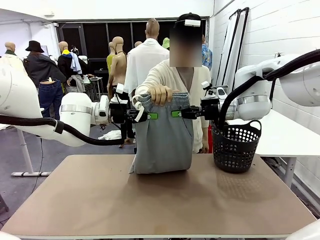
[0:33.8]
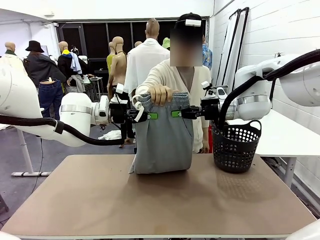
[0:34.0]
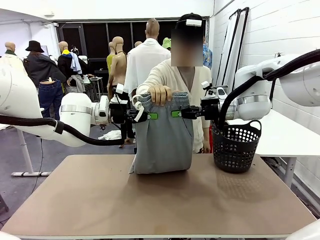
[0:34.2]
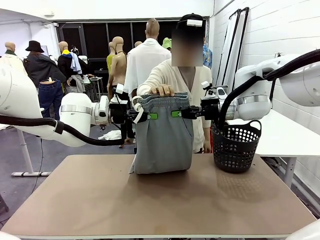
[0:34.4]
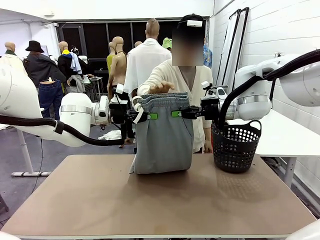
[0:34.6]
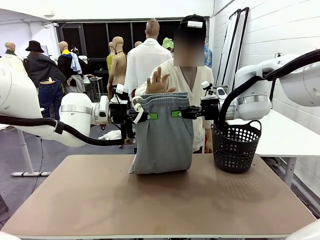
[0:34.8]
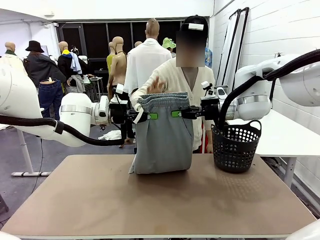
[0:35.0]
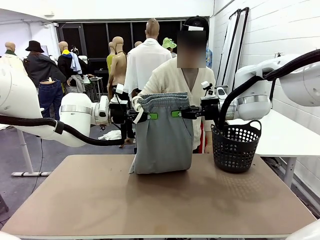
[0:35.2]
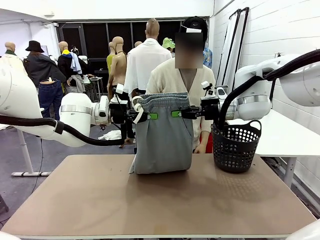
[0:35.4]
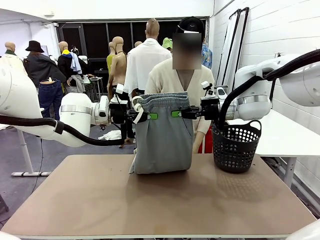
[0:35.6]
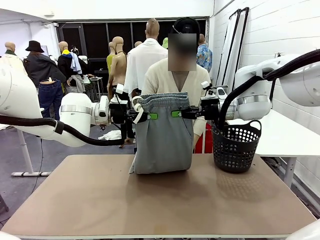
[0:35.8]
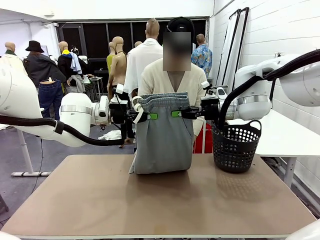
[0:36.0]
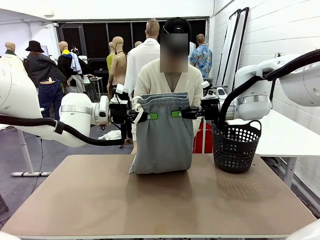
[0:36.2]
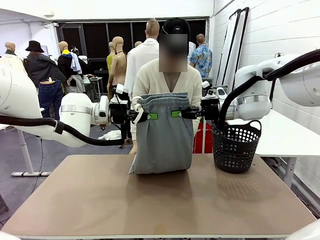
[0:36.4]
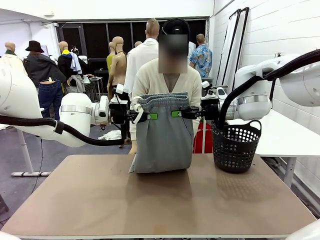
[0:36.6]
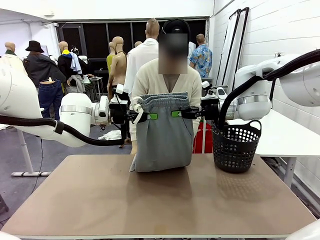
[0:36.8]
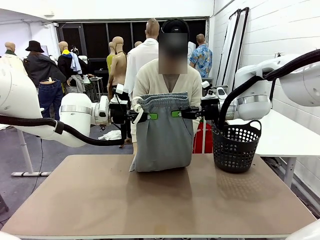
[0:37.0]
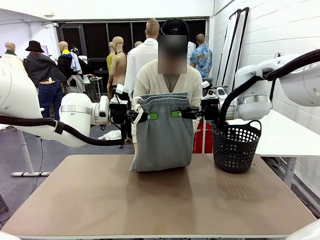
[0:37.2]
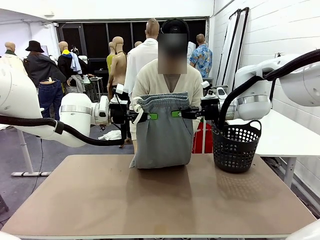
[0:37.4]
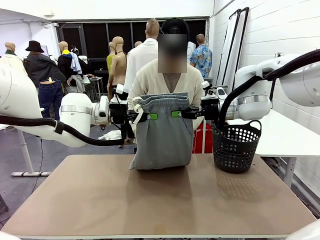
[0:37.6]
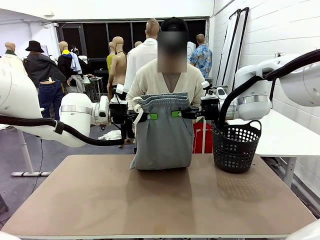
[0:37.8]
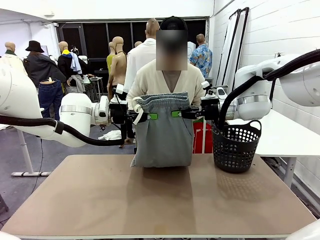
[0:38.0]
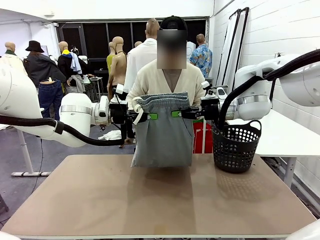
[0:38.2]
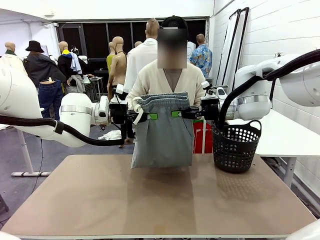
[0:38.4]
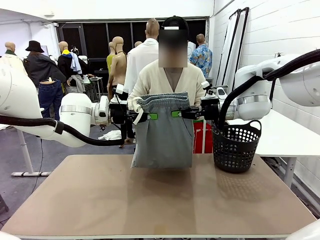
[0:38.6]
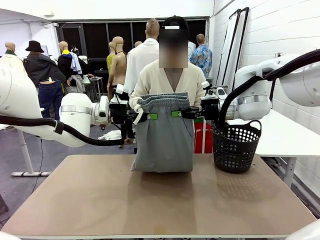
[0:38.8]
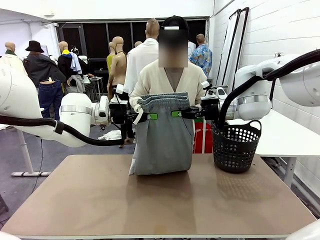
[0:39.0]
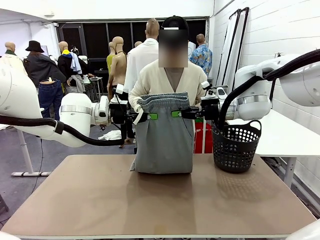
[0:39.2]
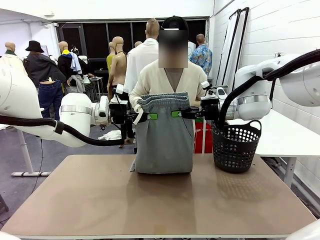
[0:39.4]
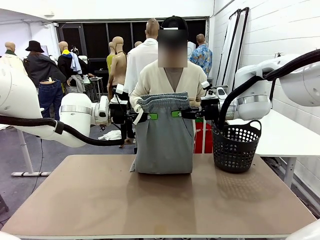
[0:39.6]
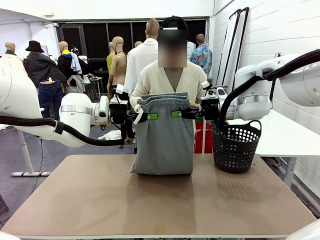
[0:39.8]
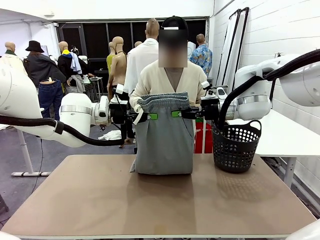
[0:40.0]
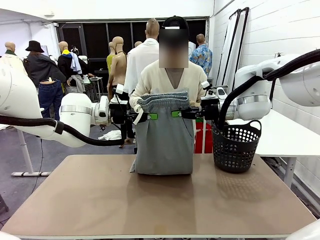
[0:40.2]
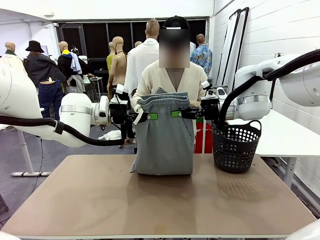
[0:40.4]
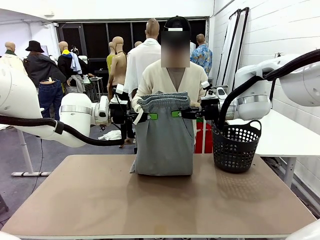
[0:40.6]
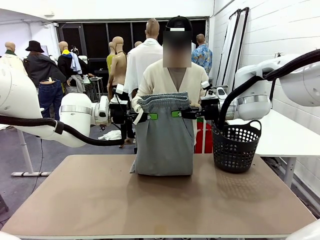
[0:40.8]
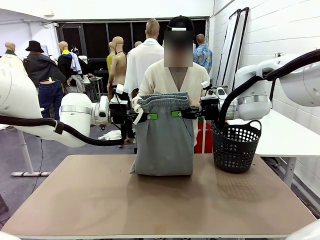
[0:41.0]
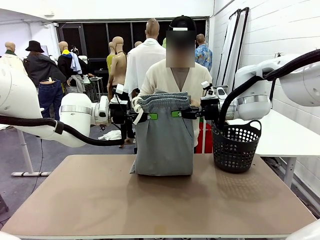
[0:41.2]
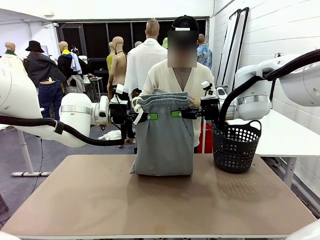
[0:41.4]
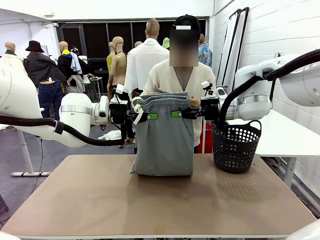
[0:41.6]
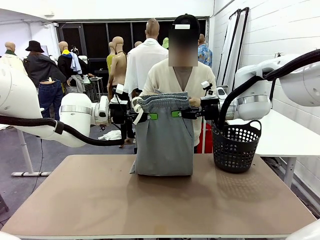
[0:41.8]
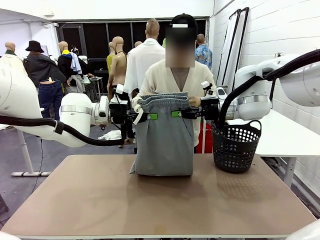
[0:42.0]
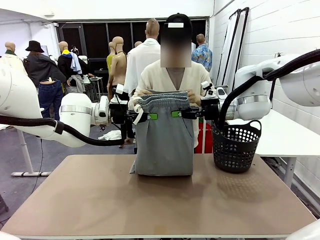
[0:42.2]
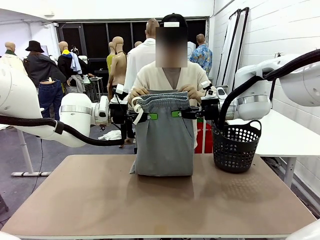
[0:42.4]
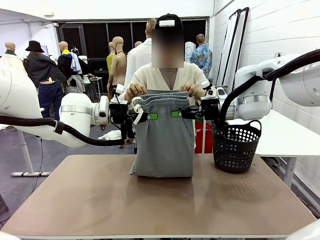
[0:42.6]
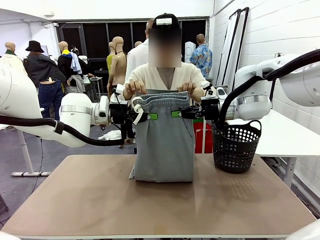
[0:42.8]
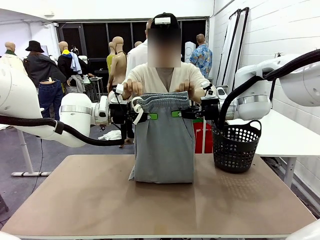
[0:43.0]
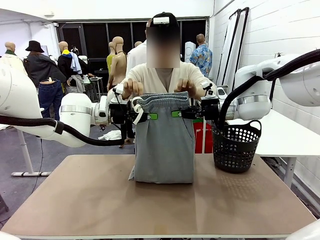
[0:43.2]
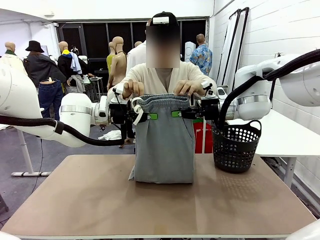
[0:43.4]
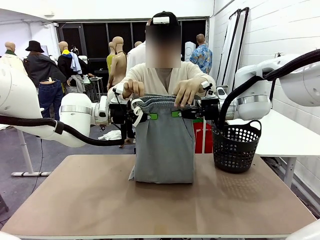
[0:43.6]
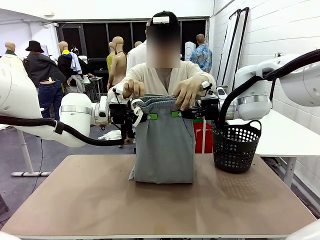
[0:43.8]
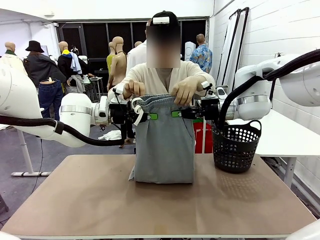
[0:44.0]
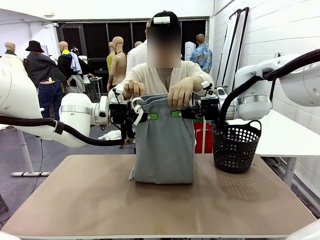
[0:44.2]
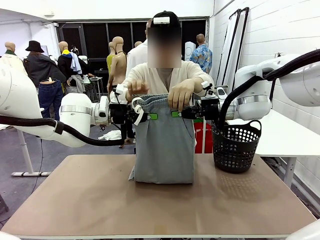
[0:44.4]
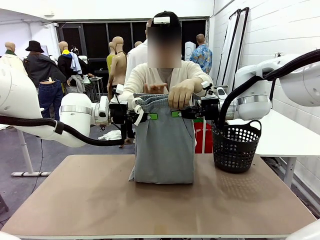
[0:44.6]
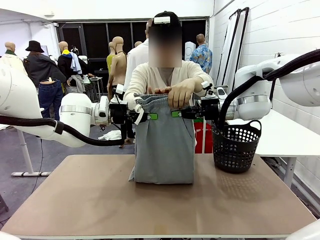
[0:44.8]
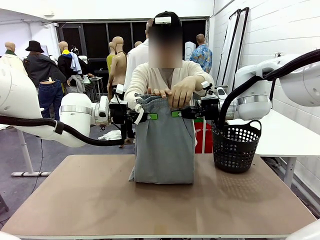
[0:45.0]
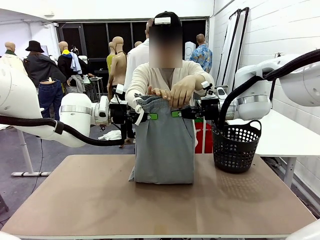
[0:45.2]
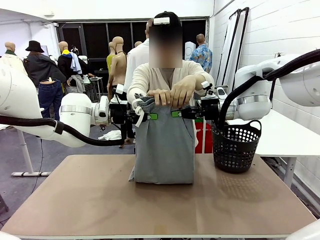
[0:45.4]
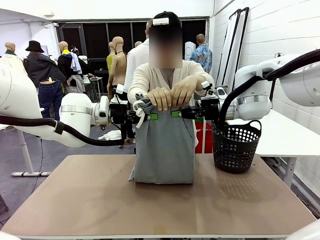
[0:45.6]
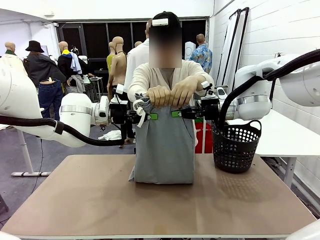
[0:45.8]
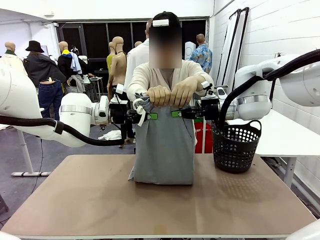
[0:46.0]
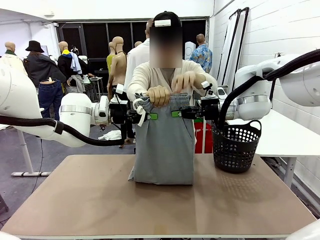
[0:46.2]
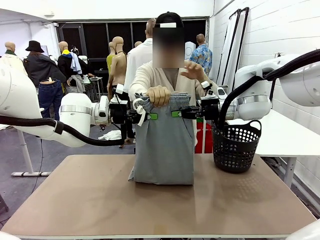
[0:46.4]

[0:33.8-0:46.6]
Task: Fold the training pants.
Robot: Release the ends of the Training pants and then grab the overlapped ends.
Person: Grasp the end opposite the point the robot is holding, fold the pants in half, and then grasp the overlapping top end of the folded pants.

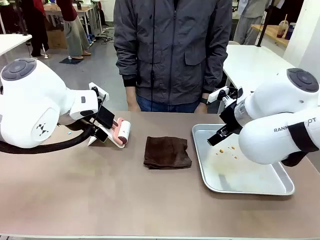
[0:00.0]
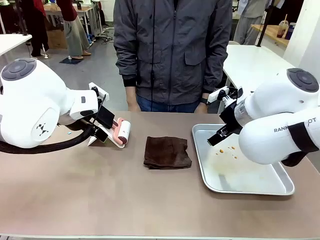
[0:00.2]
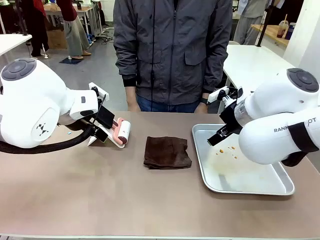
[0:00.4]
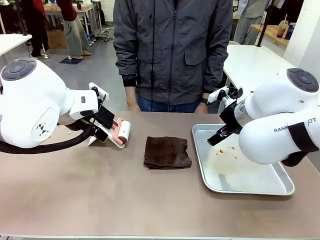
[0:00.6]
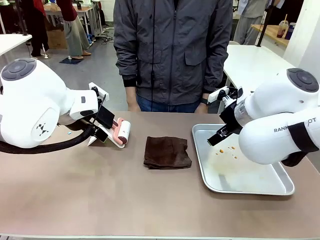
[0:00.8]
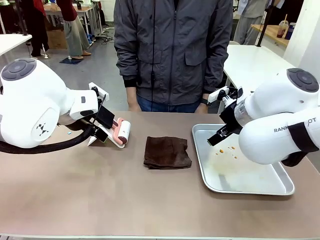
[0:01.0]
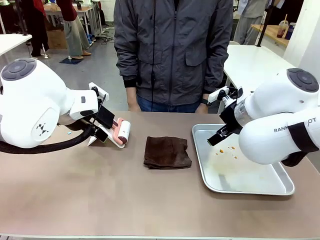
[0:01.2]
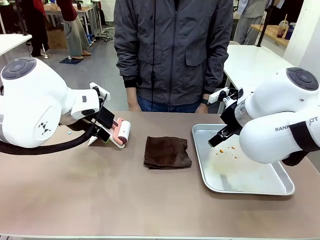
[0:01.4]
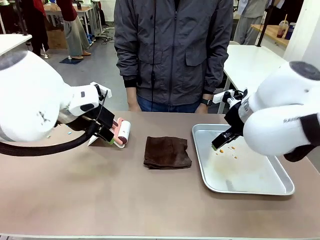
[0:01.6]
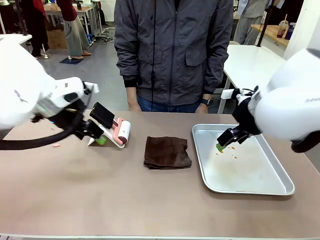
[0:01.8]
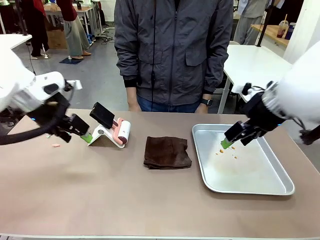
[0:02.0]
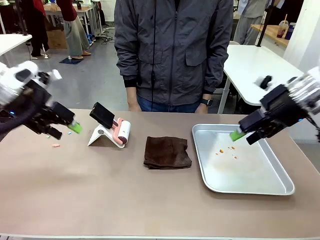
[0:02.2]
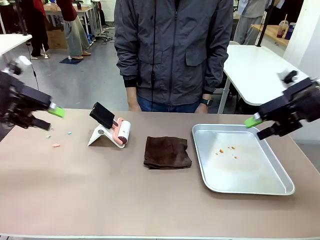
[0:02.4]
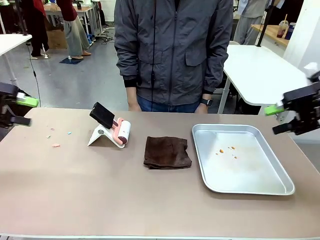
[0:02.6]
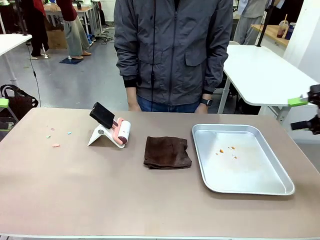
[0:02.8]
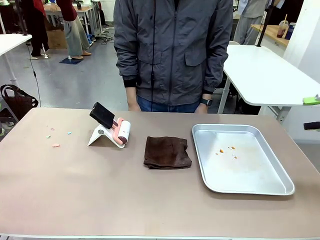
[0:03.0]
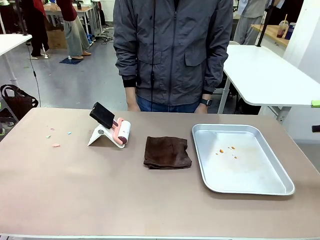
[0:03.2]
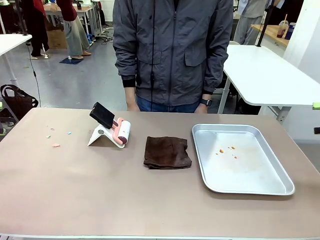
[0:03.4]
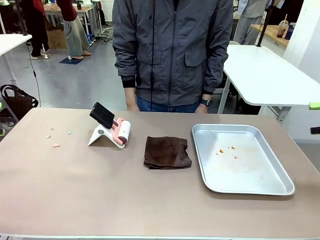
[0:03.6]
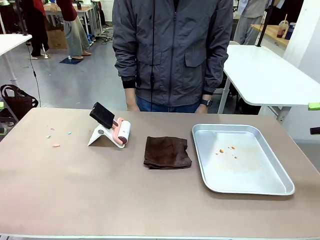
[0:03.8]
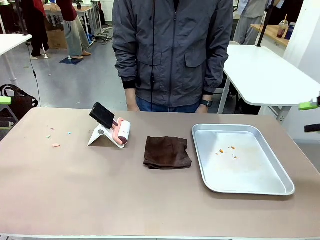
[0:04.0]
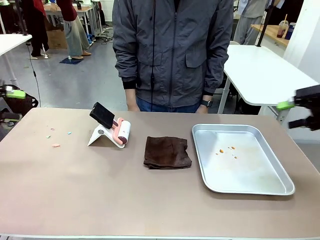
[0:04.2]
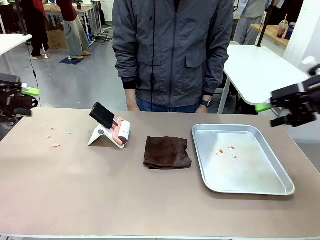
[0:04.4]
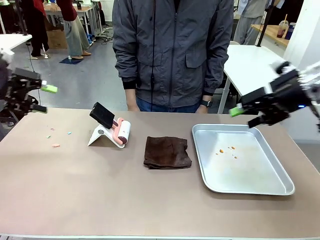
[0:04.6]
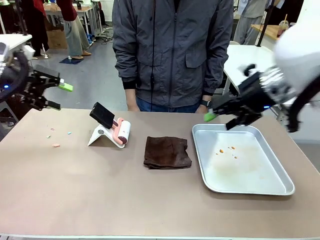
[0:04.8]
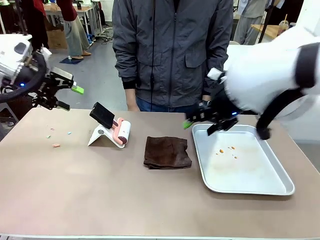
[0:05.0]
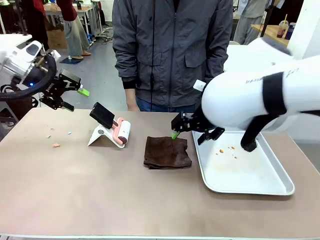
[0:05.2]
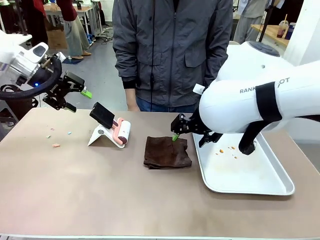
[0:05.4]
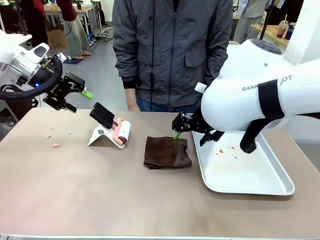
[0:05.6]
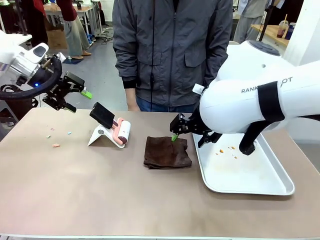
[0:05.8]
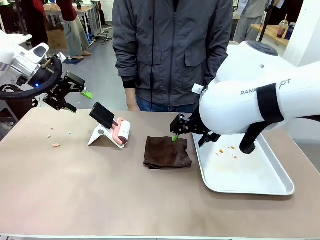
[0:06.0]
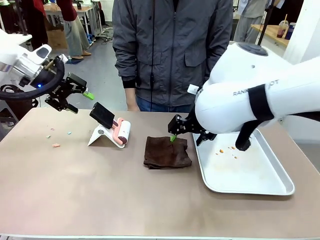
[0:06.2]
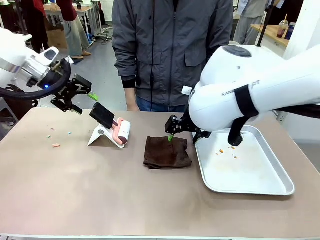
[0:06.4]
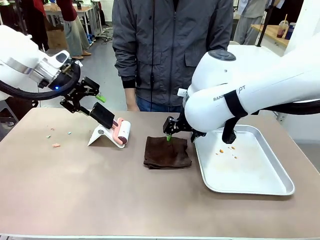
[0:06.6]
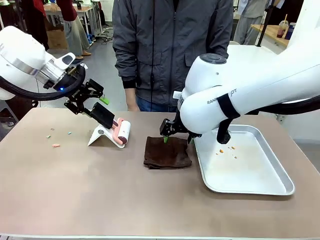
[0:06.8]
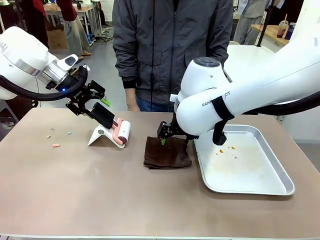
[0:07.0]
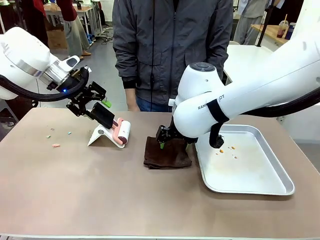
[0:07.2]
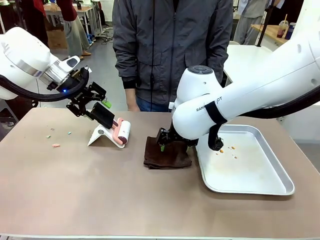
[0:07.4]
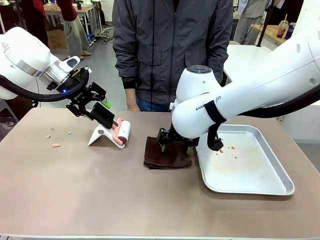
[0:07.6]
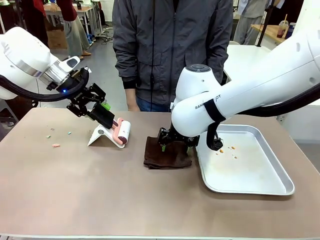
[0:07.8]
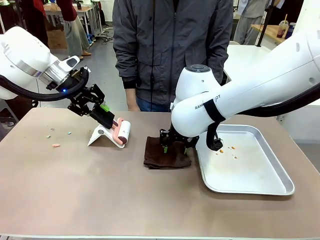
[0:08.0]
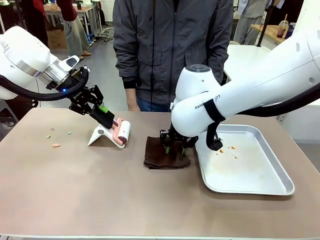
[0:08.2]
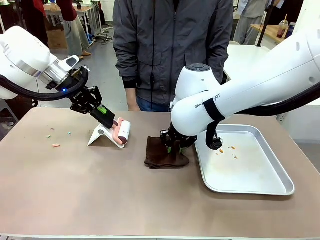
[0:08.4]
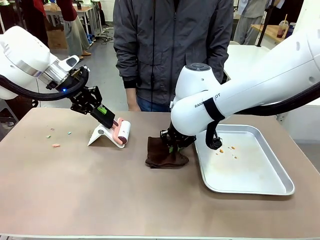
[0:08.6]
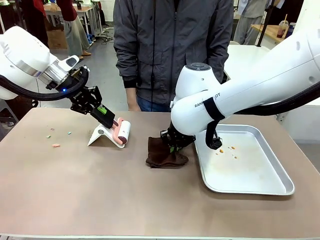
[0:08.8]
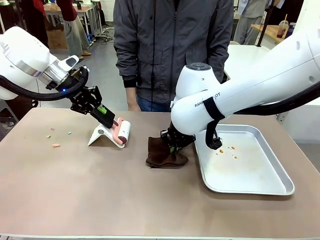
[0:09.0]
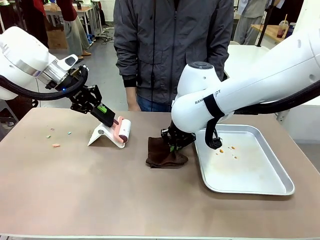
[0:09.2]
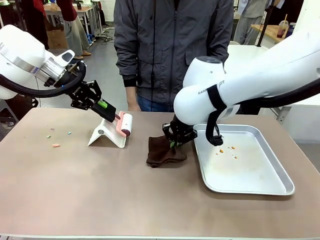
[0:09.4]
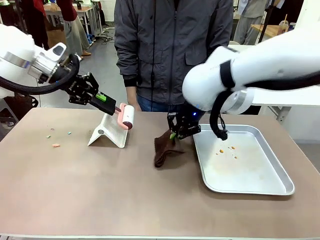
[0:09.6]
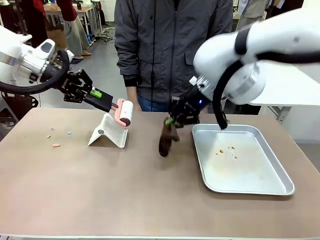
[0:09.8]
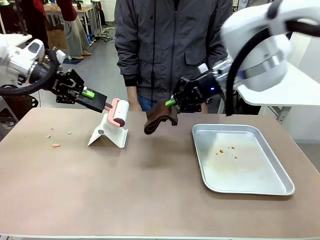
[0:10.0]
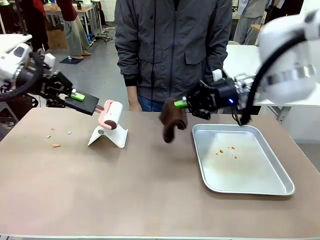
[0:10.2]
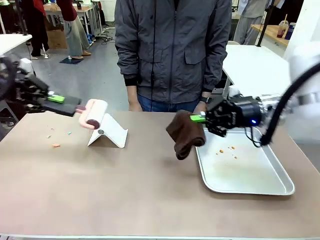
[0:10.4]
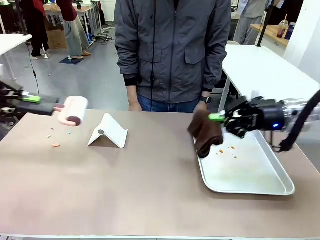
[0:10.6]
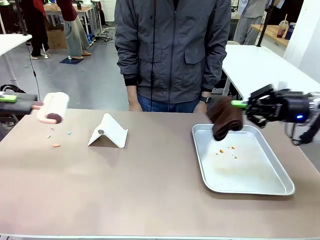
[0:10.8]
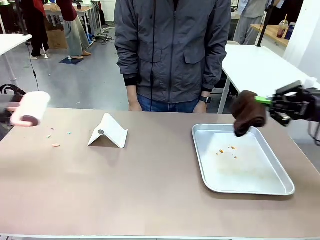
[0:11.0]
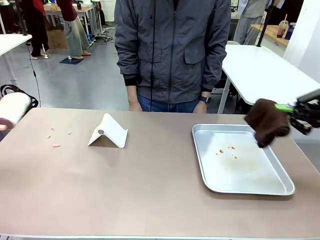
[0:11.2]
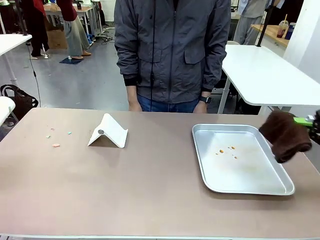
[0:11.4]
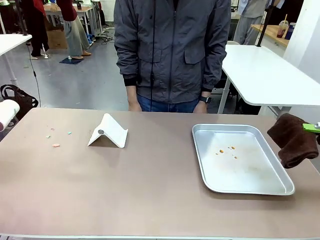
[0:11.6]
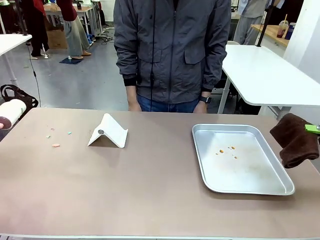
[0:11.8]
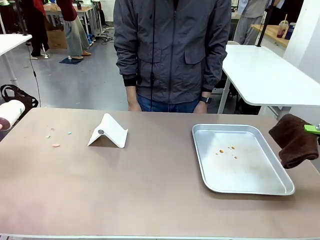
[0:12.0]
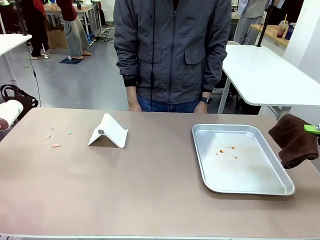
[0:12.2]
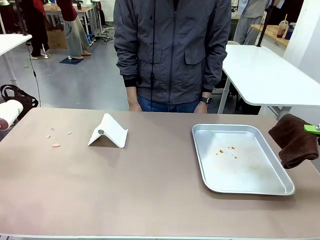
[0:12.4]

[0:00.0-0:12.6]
Task: Clean the surface of the table.
Robot: Hold the Lint Roller with your left hand and the towel with your right hand.
